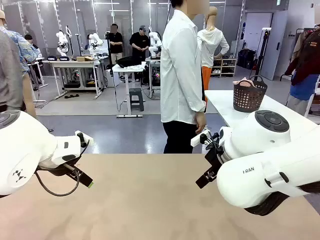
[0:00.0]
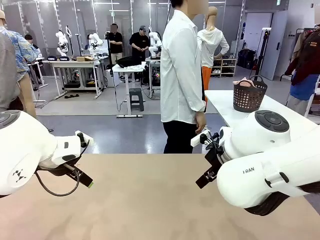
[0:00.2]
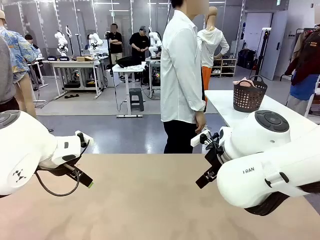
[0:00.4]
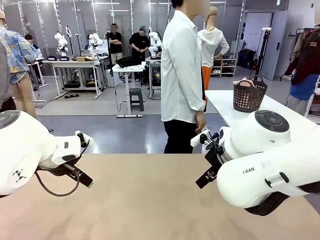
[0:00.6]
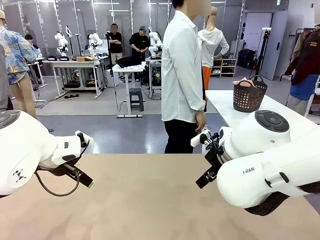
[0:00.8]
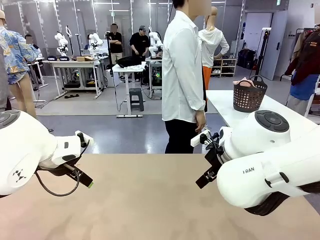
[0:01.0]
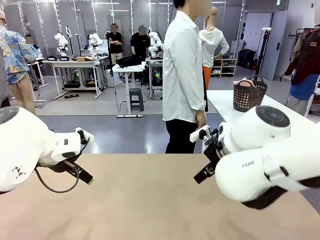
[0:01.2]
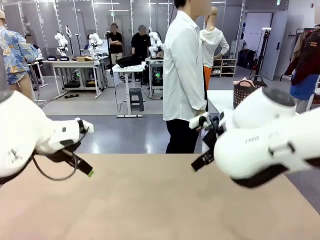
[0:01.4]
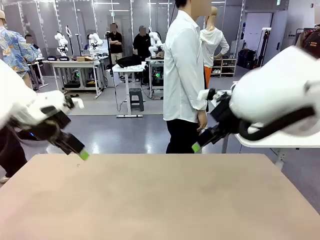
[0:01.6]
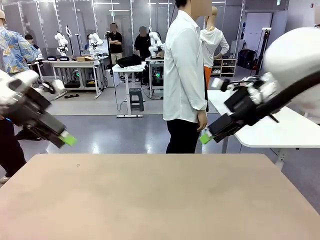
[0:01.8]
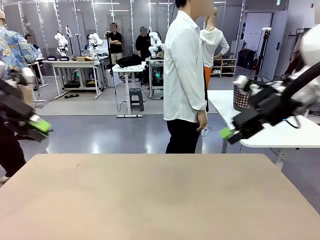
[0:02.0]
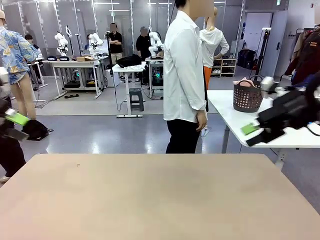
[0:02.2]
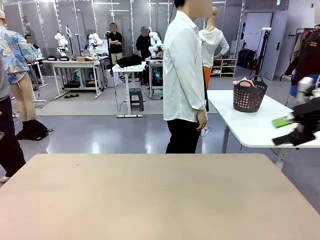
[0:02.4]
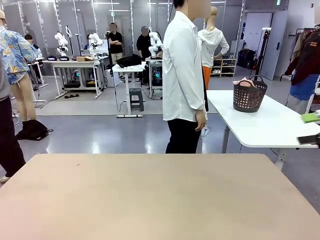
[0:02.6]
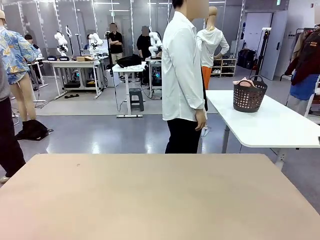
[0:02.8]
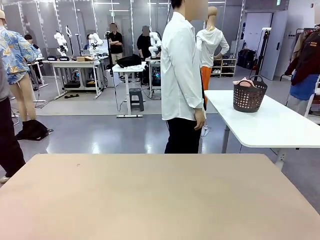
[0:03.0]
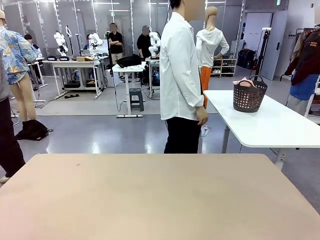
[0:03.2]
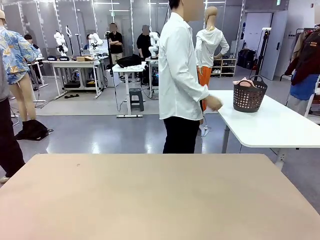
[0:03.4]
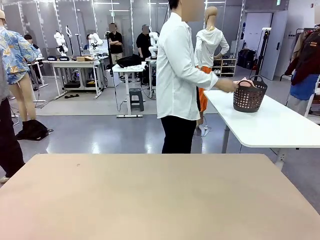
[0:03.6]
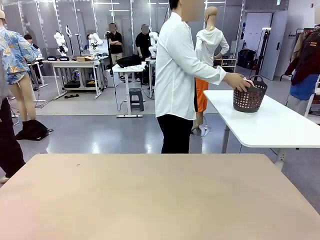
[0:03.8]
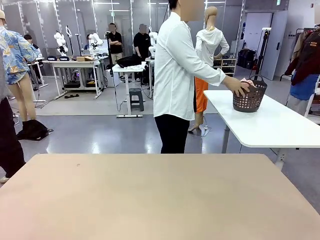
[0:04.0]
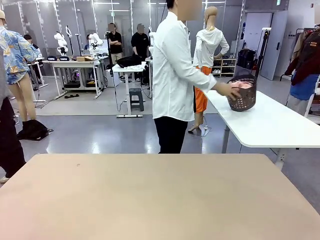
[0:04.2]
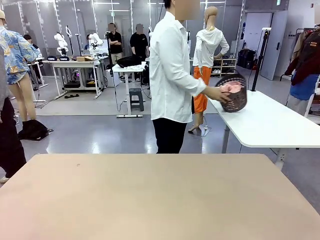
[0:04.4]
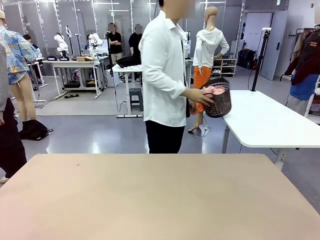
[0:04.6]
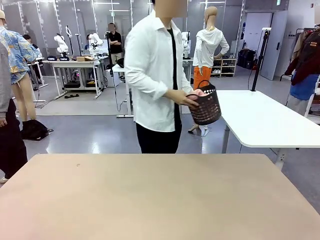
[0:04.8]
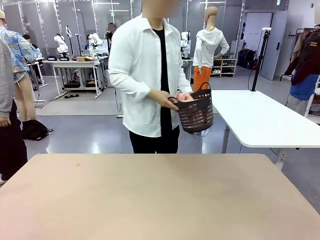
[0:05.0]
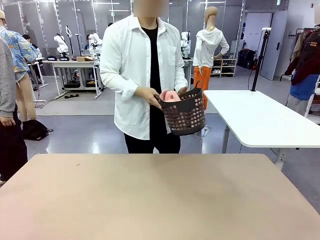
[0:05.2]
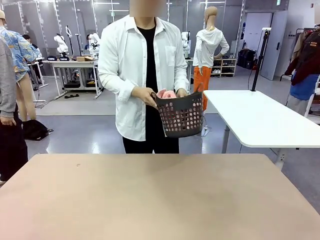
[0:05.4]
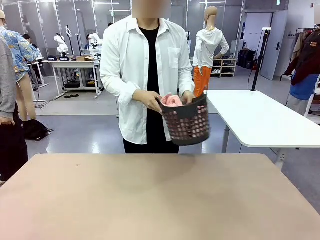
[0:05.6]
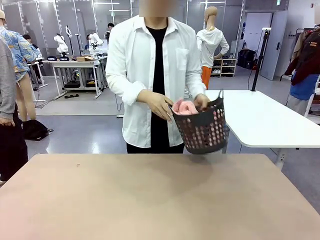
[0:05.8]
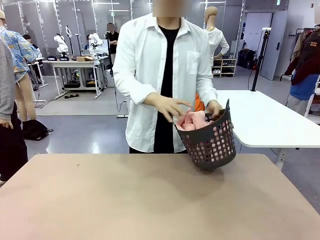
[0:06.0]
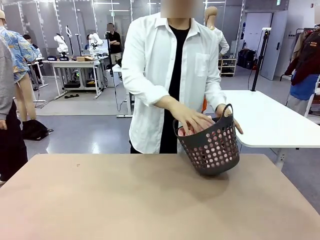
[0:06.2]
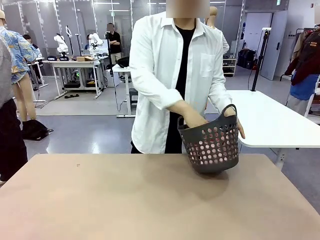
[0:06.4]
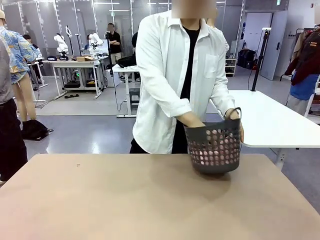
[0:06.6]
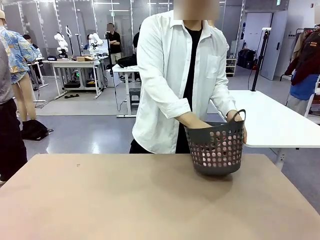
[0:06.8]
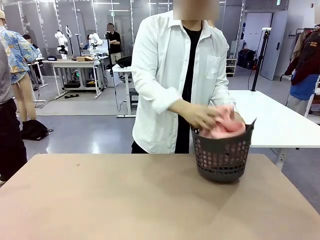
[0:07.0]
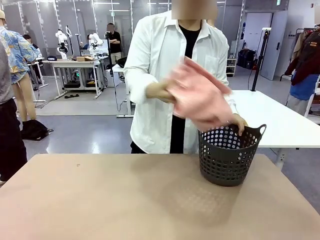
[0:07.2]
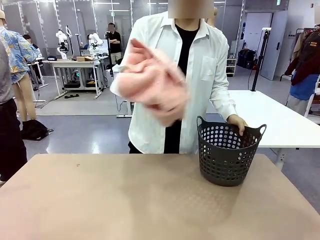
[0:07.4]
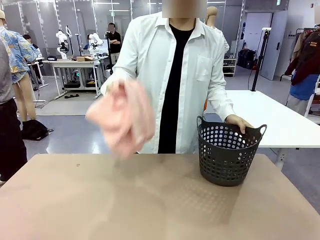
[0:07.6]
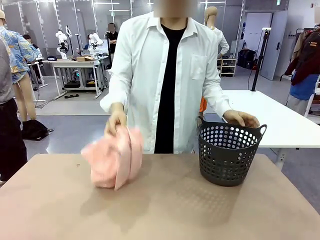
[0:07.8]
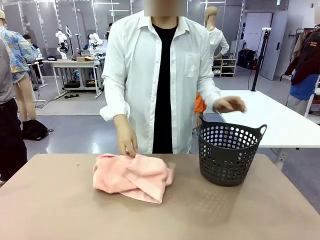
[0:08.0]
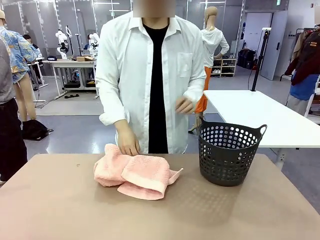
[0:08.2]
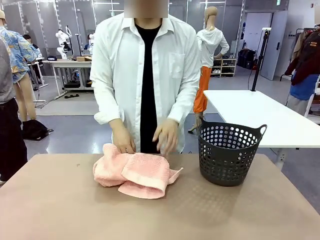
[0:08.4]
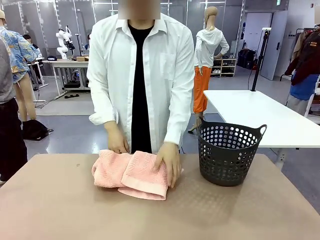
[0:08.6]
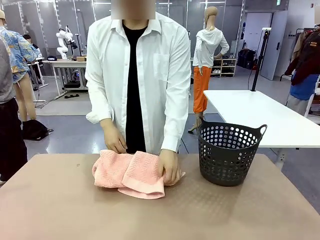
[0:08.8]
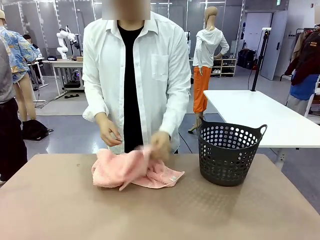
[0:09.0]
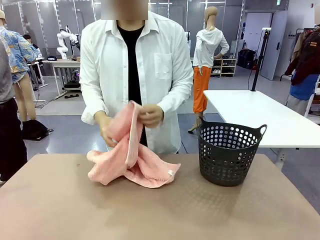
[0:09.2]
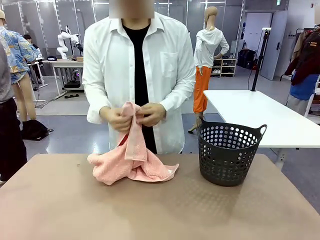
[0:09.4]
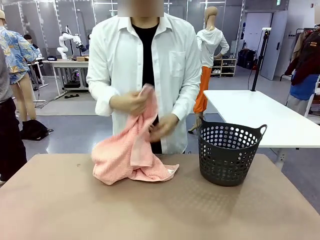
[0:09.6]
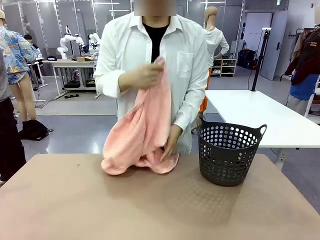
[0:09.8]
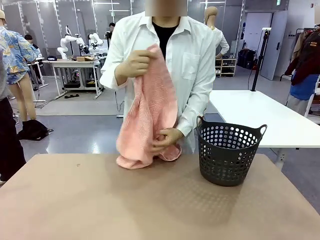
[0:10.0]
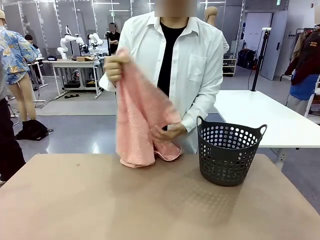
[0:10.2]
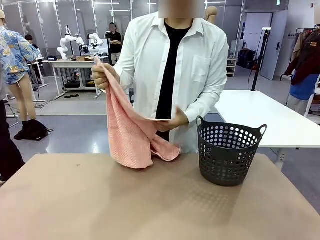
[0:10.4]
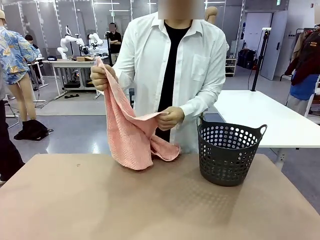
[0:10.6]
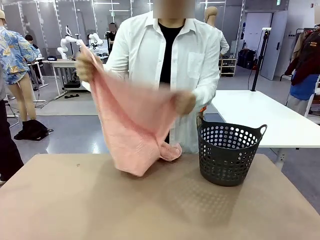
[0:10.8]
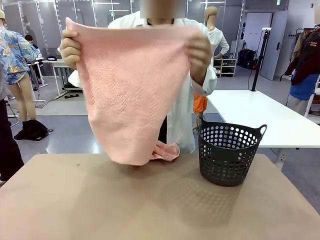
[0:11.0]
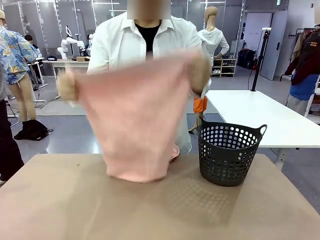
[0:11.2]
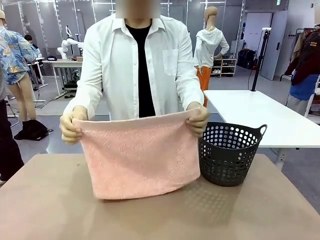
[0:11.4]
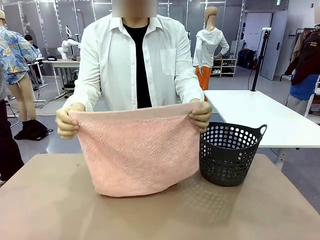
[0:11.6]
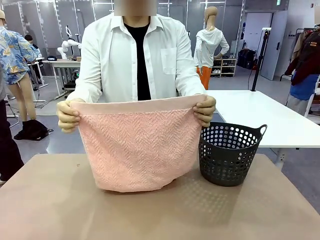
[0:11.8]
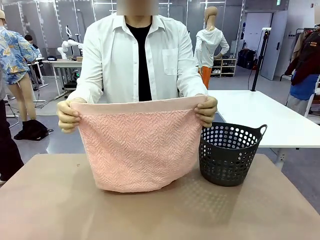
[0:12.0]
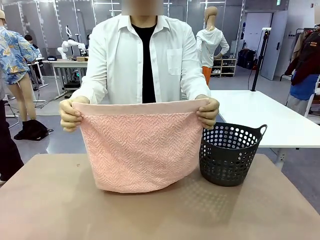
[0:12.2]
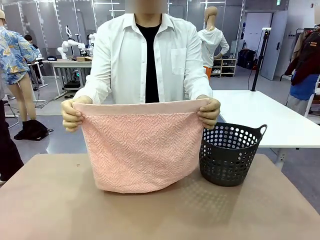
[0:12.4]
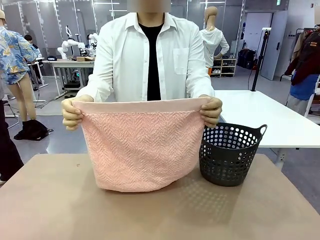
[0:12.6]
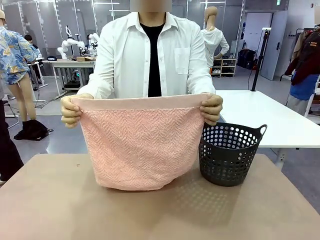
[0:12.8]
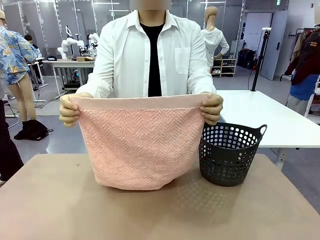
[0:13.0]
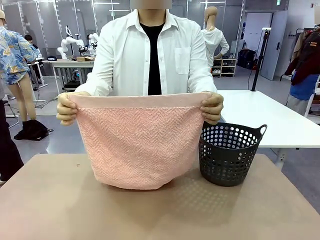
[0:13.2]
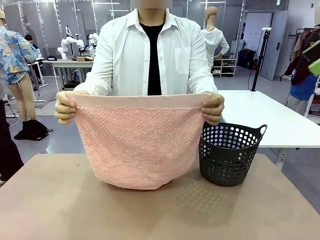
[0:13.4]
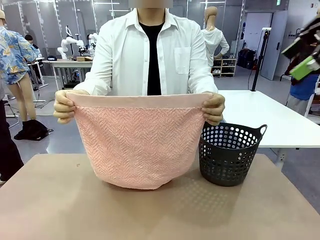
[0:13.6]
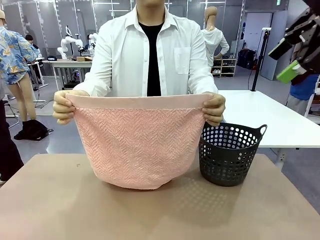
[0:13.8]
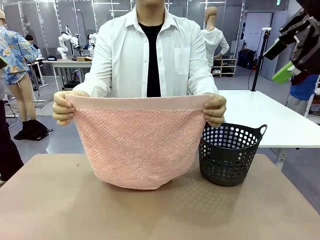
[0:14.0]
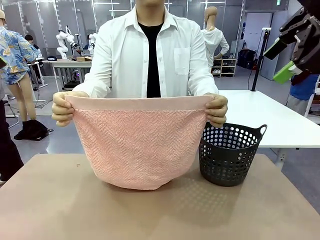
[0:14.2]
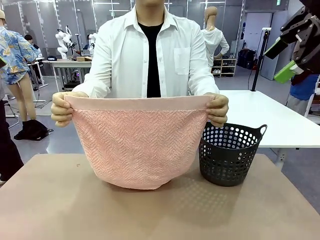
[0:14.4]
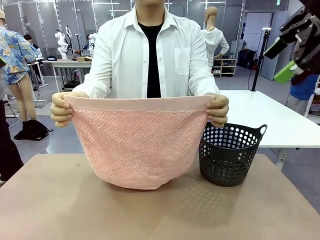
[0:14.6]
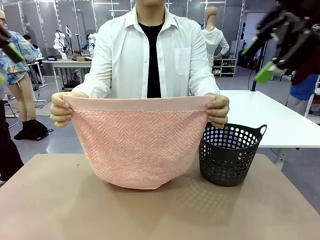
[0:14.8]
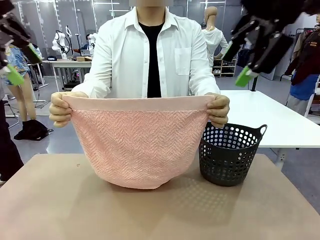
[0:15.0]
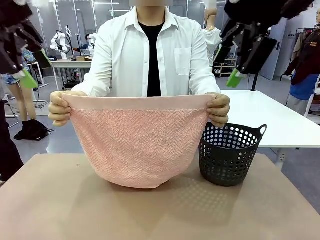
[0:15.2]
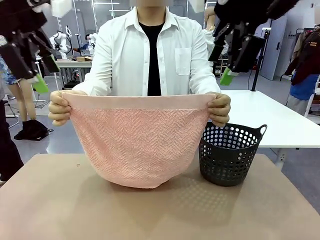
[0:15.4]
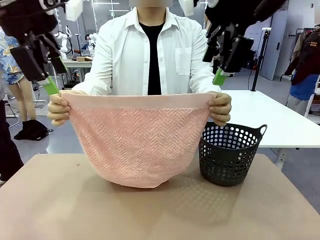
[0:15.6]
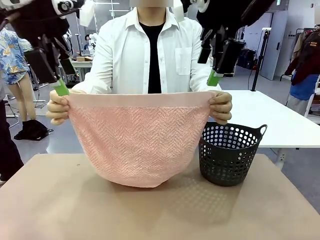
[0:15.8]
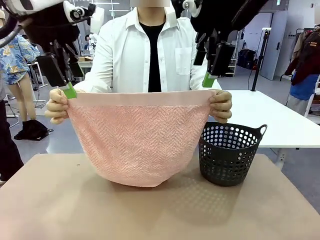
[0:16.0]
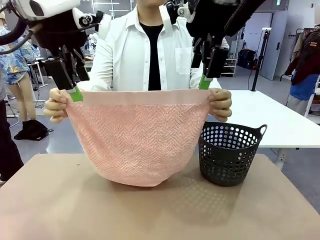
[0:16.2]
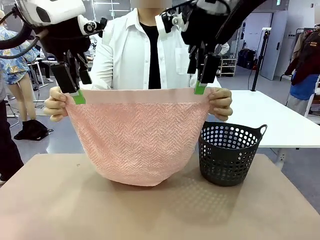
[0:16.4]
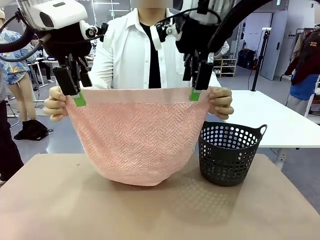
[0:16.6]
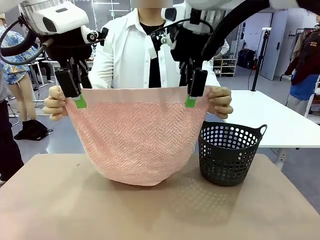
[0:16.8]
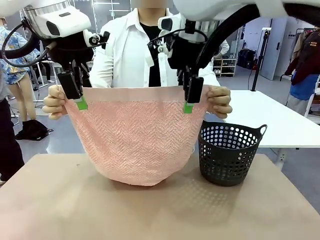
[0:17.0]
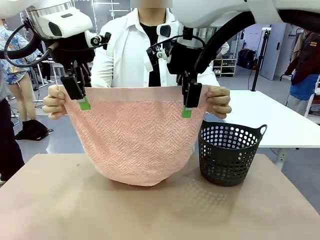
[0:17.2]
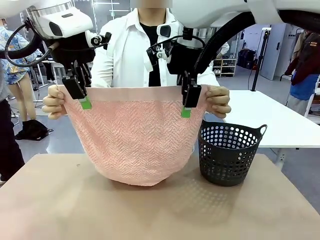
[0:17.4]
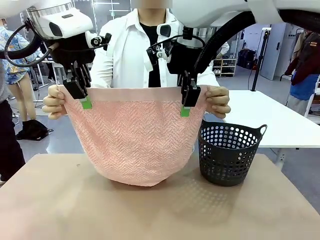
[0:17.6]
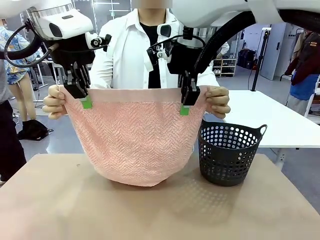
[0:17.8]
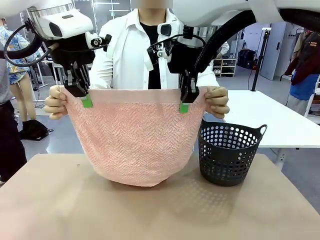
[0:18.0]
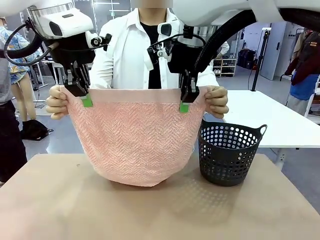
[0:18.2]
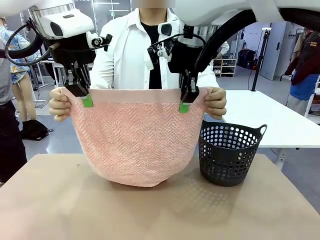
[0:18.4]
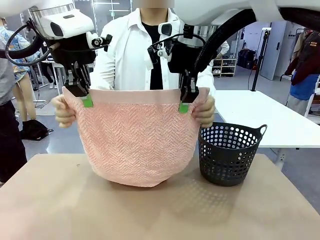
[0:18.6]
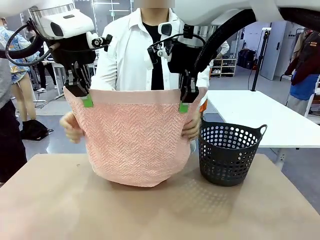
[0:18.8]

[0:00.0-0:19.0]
Task: Fold the towel.
Robot: Grab the top end of the 100 cm Hotel Towel extended by the human.
Person: Pick up the laundry basket, place it on the left side of the robot table, then take out a towel and hand it to the robot while holding both corners of one end.
